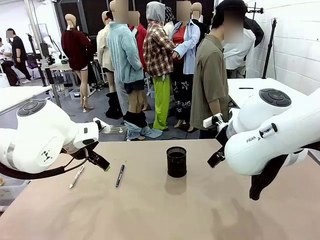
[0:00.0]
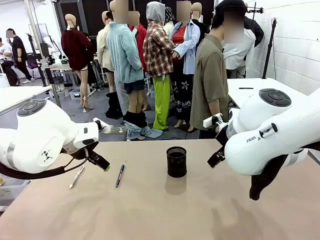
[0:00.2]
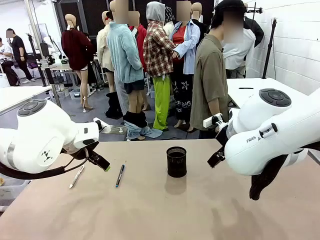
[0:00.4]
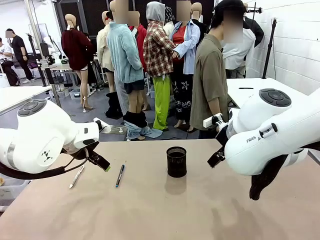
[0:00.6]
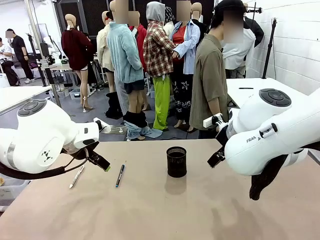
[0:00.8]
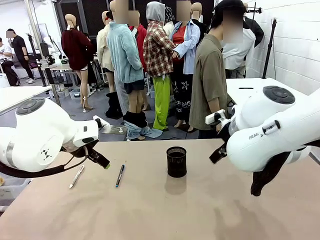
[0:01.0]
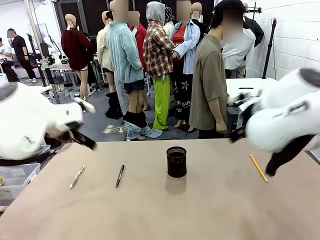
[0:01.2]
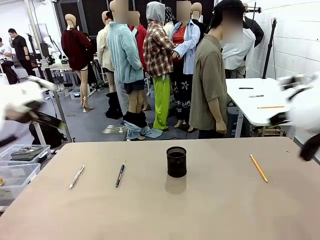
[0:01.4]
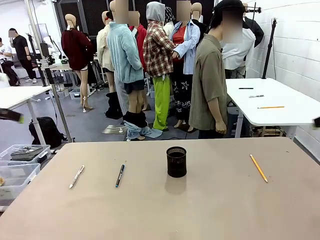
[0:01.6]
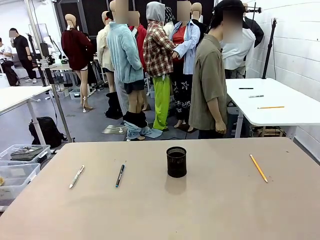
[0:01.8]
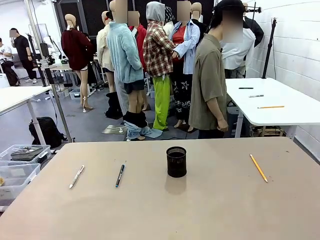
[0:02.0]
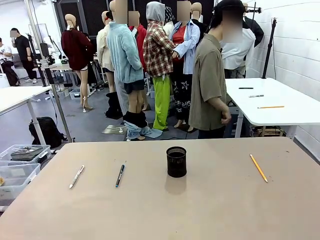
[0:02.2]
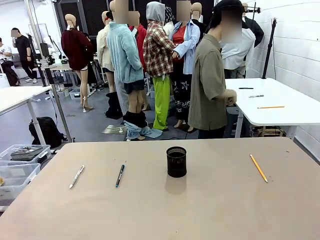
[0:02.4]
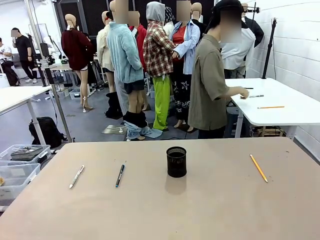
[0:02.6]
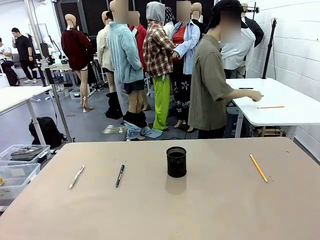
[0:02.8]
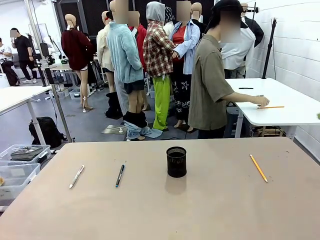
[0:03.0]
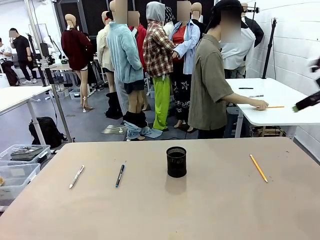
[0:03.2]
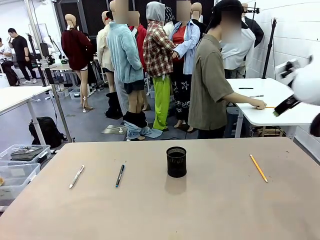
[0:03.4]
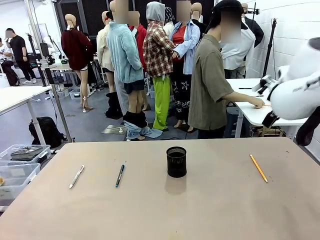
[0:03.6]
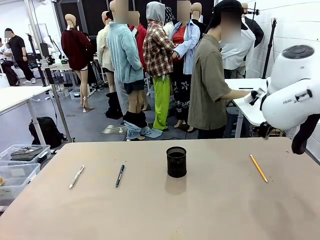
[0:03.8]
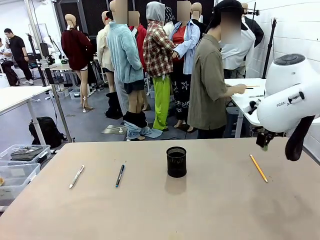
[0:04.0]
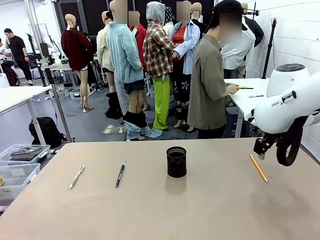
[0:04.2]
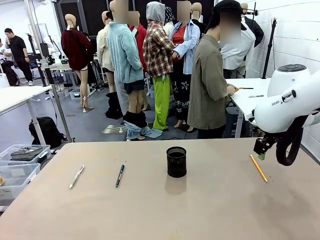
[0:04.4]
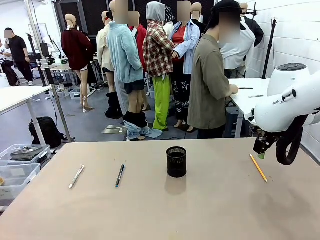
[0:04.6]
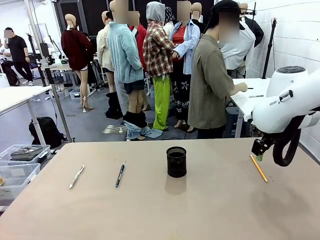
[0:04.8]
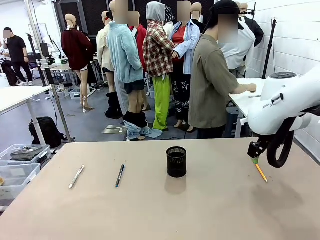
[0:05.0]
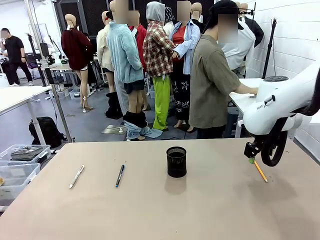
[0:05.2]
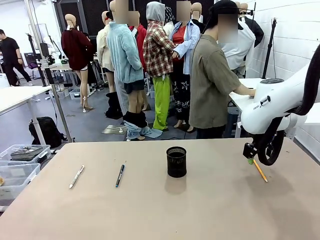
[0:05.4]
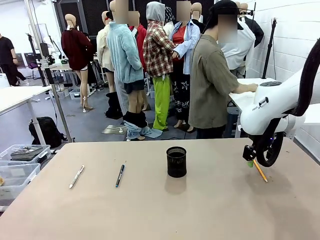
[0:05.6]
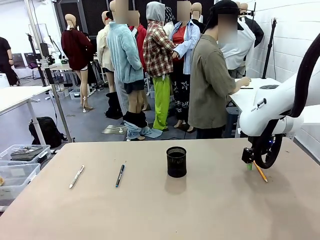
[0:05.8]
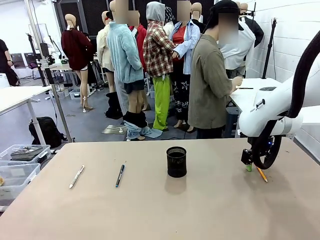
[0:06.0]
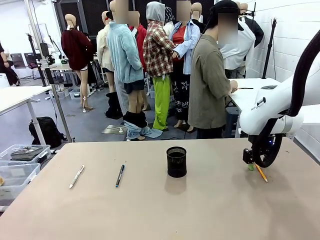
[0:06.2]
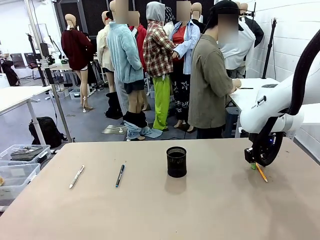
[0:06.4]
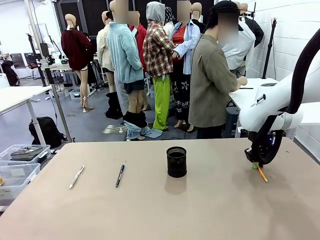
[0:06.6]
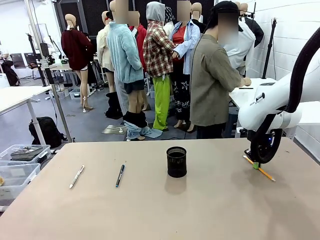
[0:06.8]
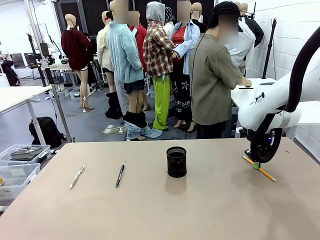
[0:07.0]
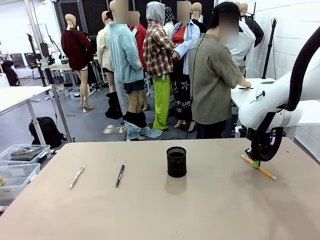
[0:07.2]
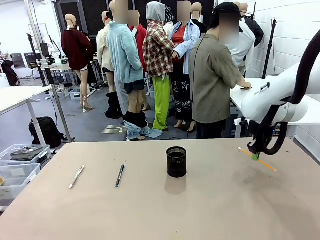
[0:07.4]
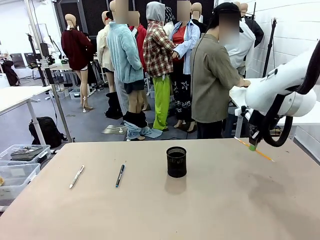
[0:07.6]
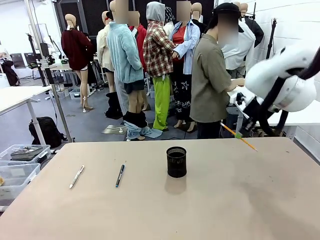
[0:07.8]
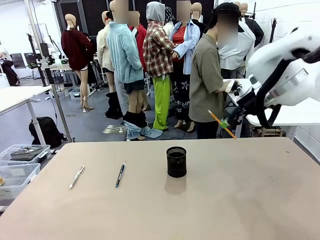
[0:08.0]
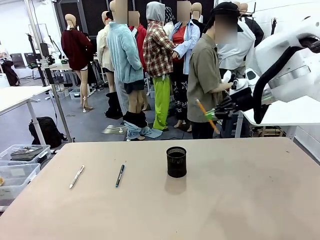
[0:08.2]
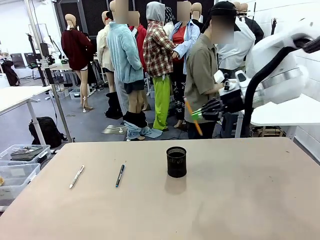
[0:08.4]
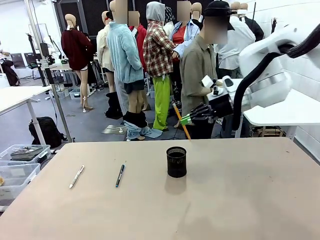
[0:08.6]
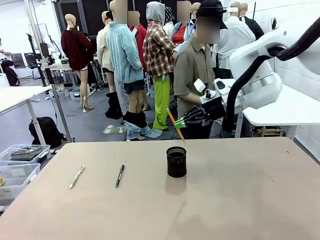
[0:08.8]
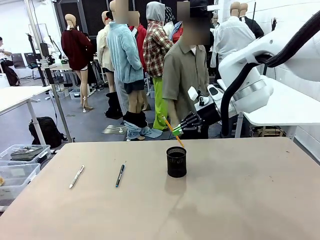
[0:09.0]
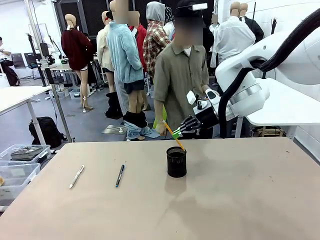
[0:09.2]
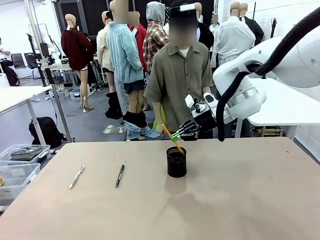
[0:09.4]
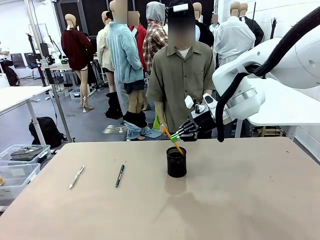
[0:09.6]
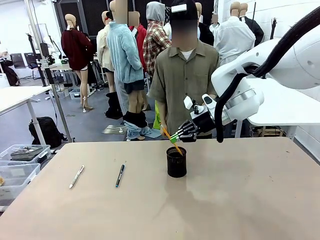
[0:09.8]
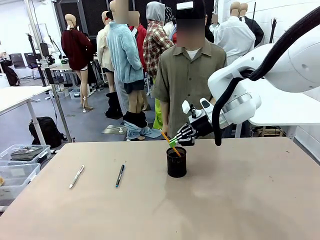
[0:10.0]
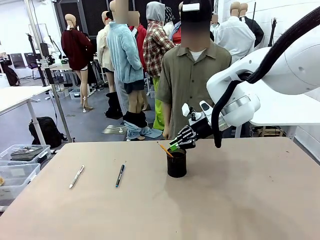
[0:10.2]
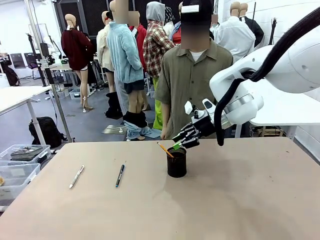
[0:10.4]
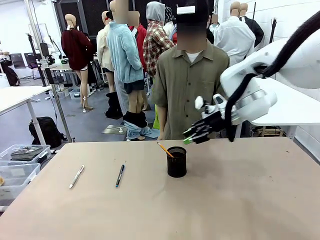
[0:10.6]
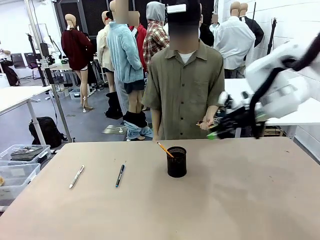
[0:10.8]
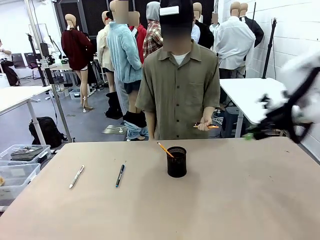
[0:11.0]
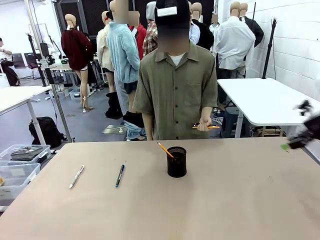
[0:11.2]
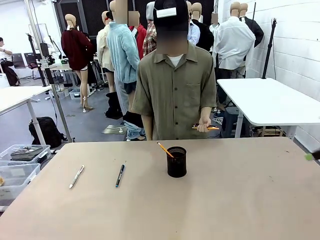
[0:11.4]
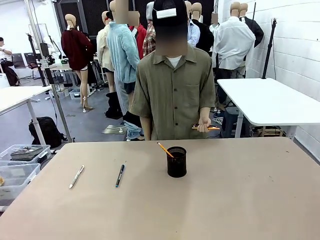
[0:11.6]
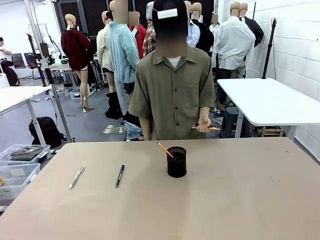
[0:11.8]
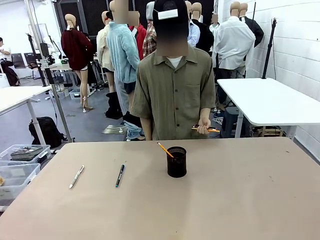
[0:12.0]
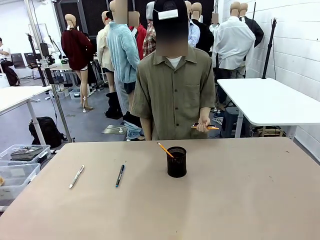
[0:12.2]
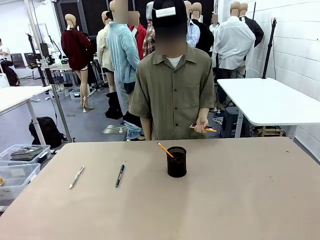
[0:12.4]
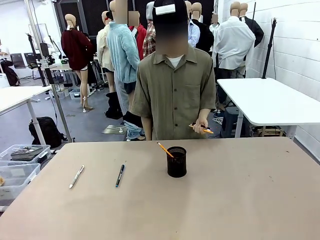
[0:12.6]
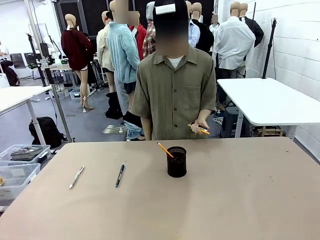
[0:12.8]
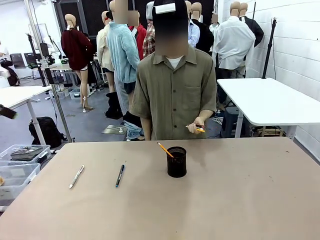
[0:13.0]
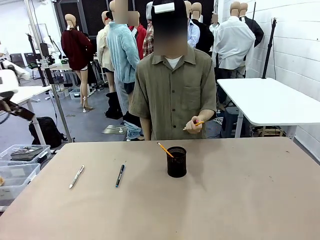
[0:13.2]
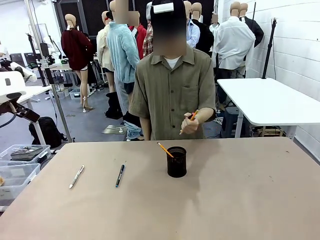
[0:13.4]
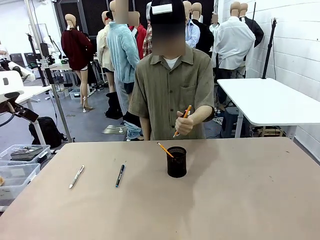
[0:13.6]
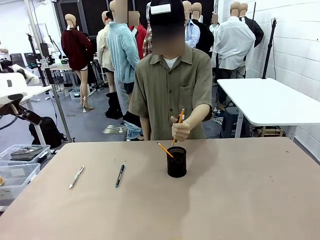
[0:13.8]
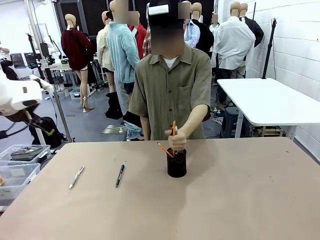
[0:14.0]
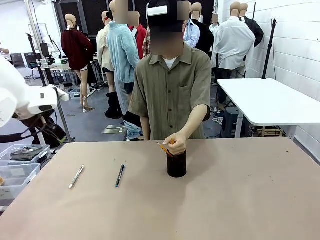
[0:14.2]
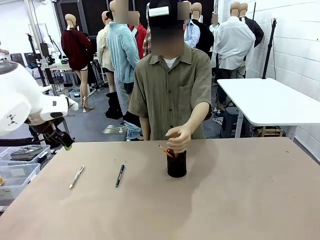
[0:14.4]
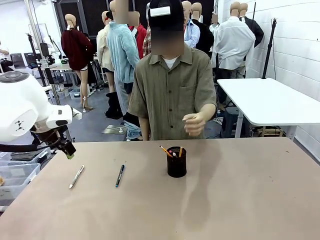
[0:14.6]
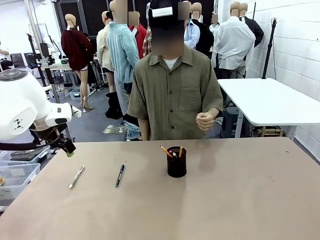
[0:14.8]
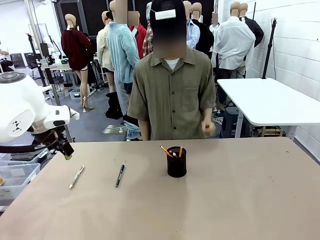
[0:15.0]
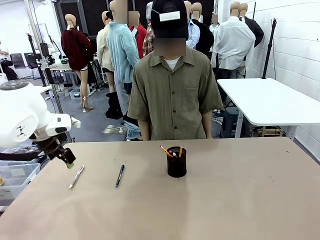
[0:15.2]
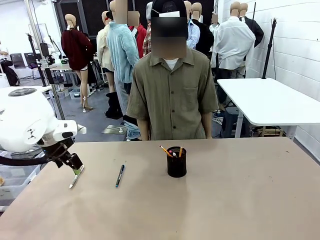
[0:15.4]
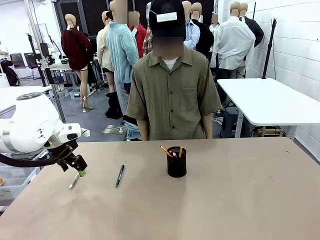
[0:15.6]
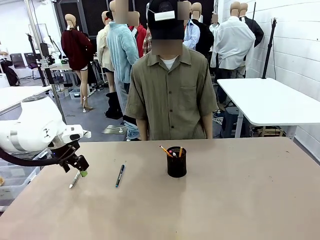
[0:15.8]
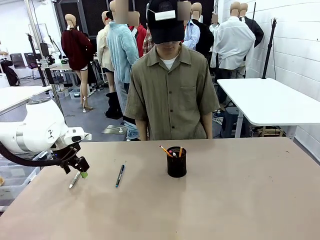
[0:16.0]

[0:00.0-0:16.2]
Task: Place the pens into the pen holder.
Robot: Pick up a writing instrument from the table and place it into the Pen holder.
Person: Pick up all writing instruments from the Human table.
